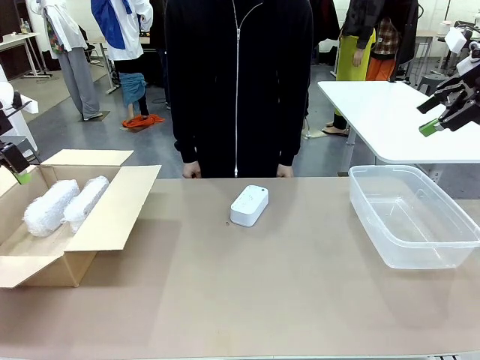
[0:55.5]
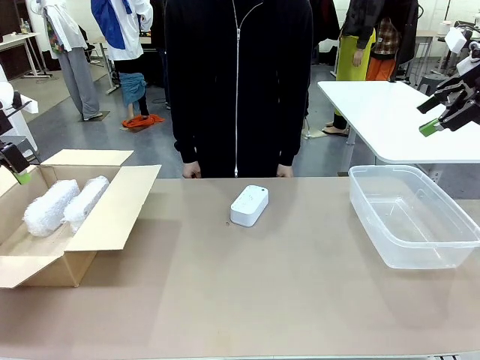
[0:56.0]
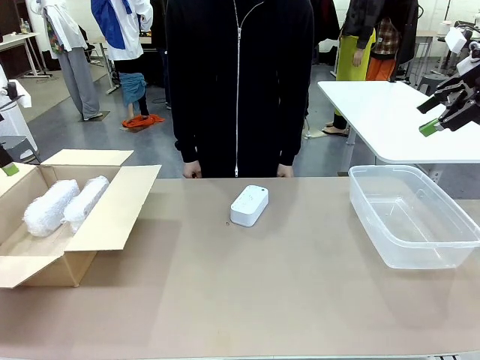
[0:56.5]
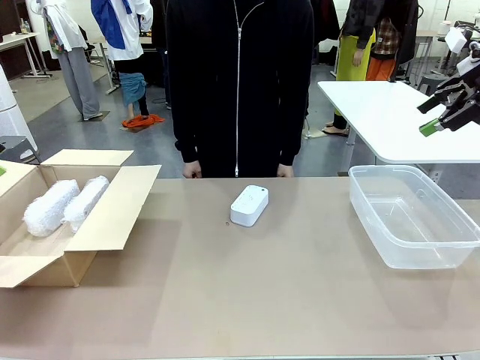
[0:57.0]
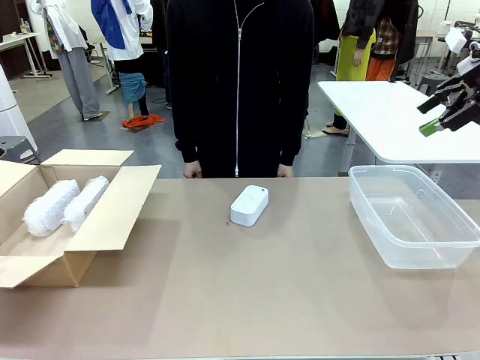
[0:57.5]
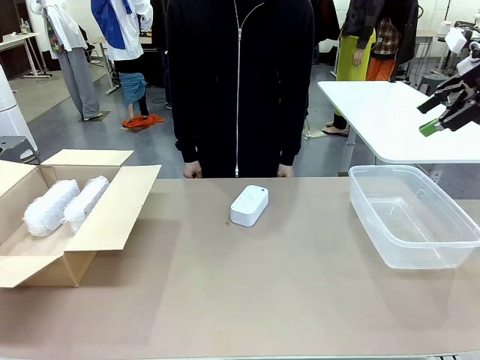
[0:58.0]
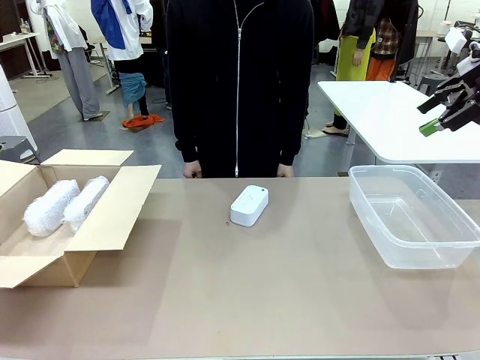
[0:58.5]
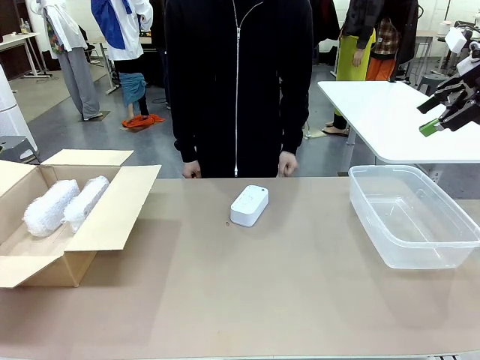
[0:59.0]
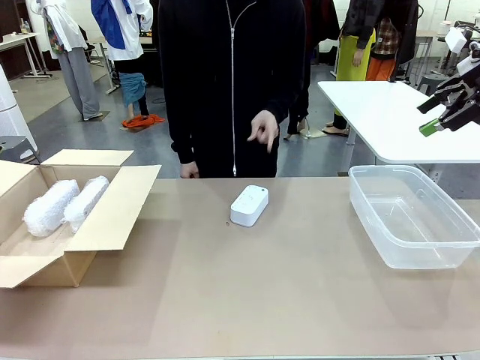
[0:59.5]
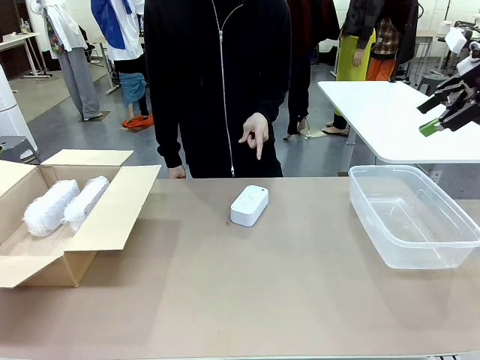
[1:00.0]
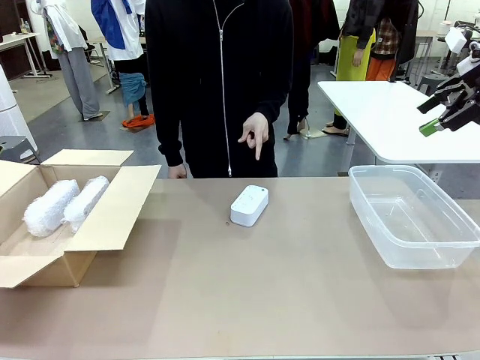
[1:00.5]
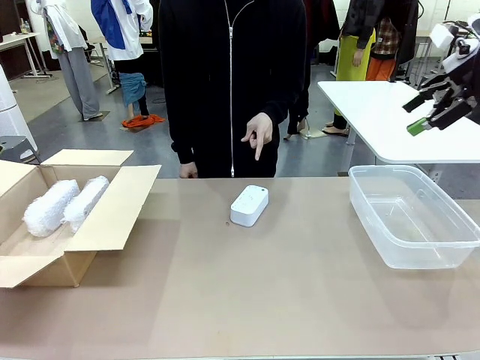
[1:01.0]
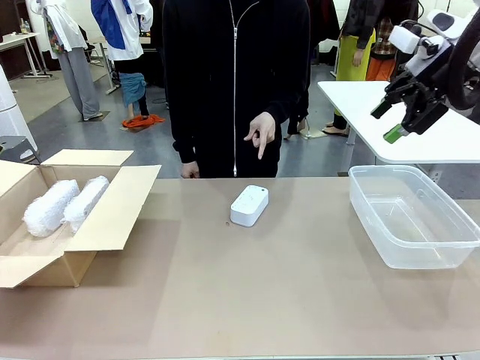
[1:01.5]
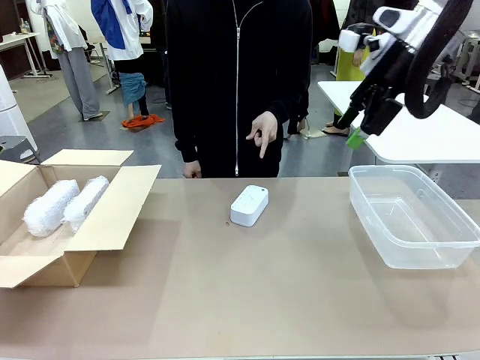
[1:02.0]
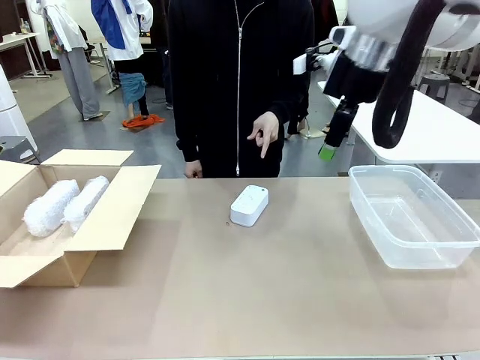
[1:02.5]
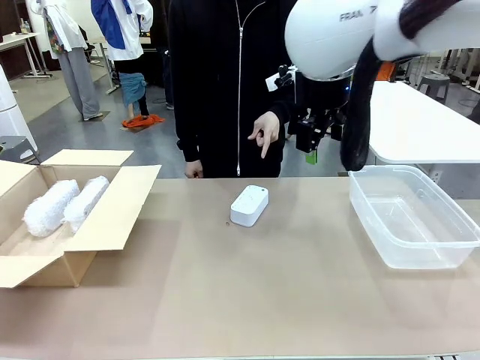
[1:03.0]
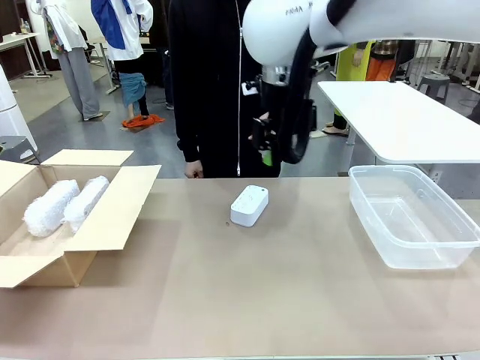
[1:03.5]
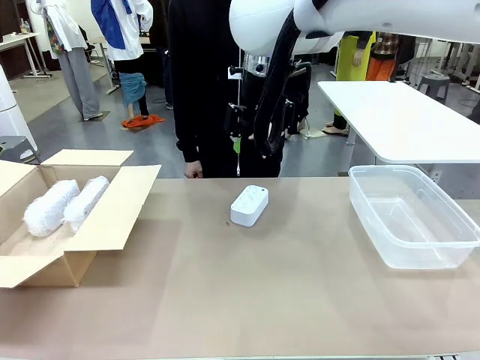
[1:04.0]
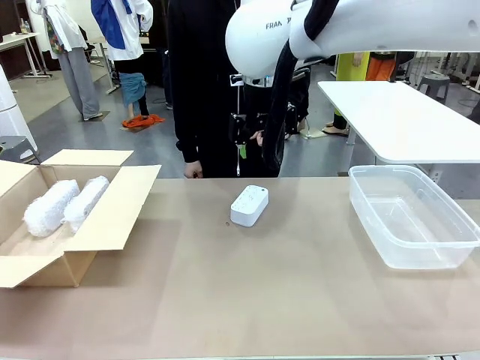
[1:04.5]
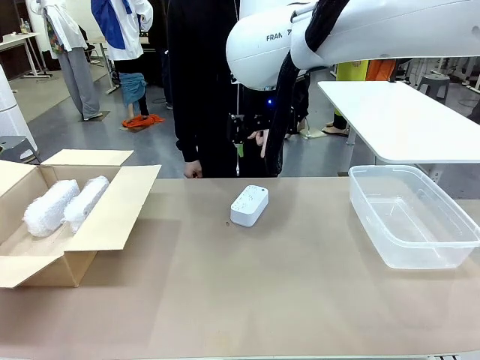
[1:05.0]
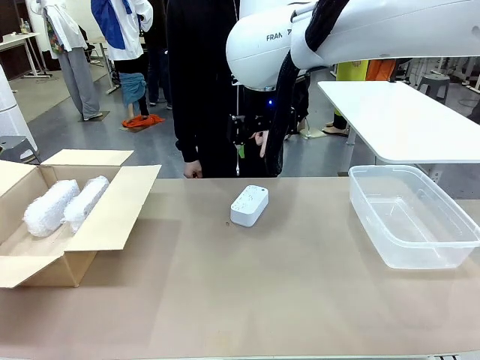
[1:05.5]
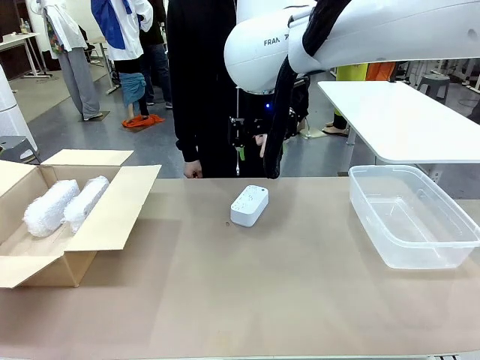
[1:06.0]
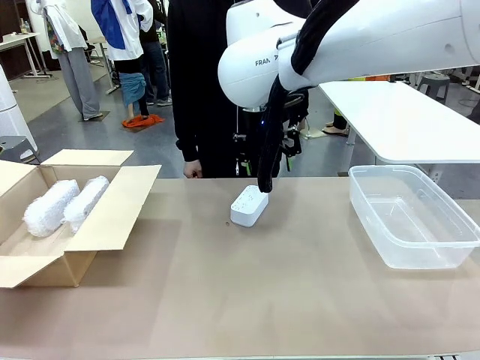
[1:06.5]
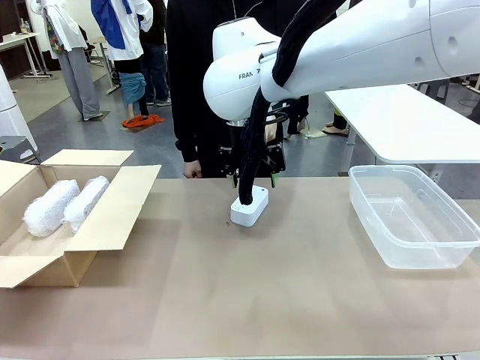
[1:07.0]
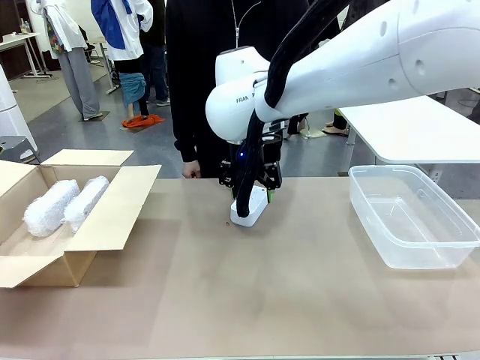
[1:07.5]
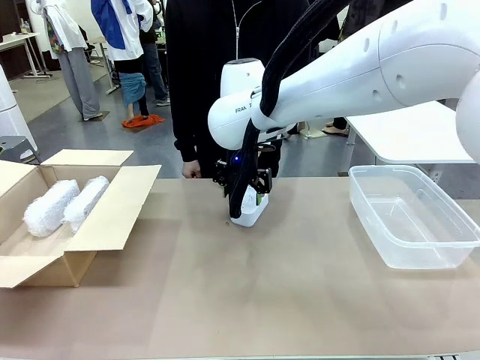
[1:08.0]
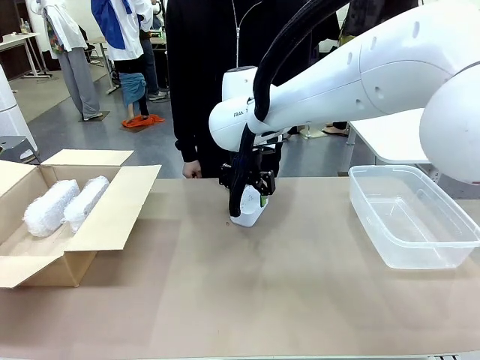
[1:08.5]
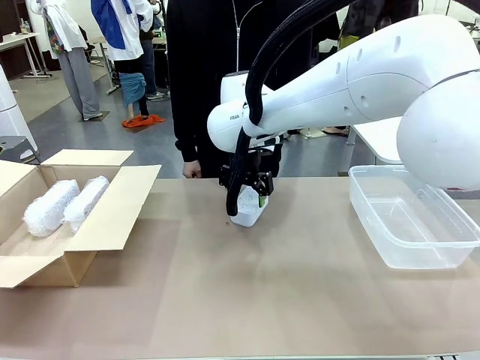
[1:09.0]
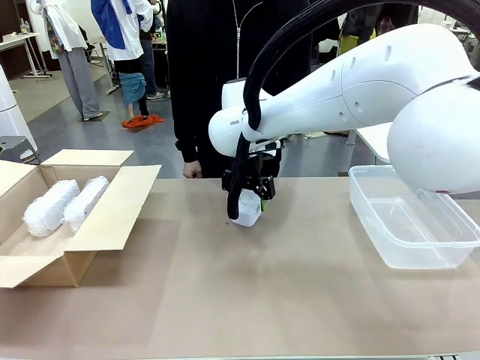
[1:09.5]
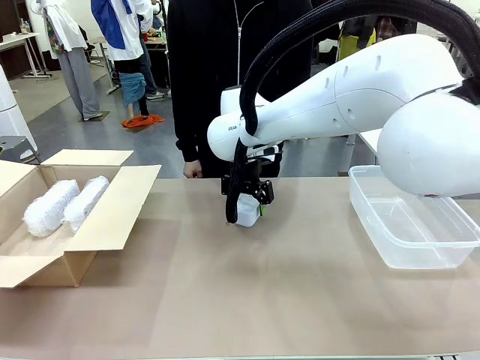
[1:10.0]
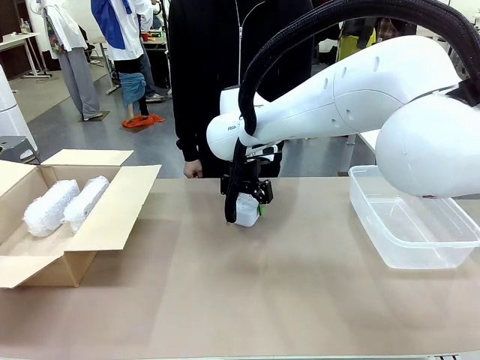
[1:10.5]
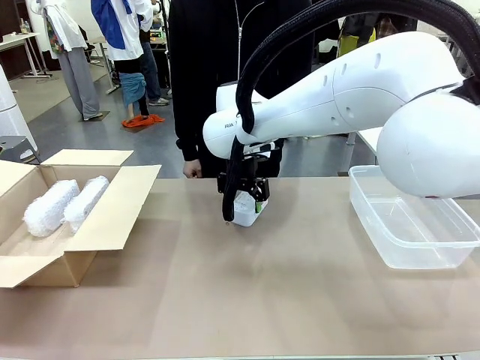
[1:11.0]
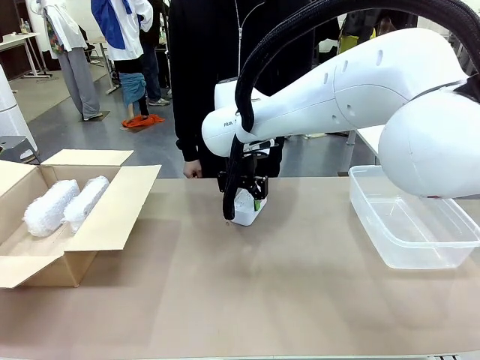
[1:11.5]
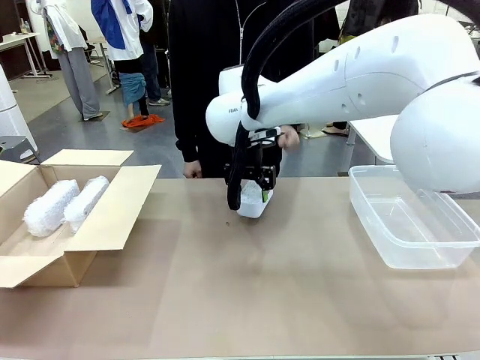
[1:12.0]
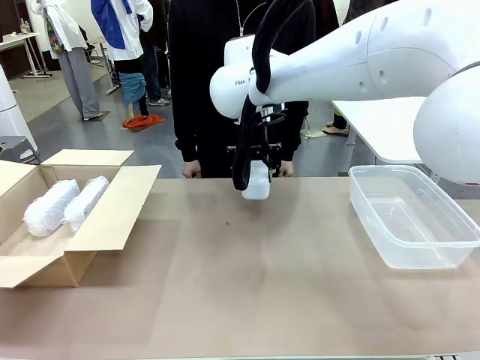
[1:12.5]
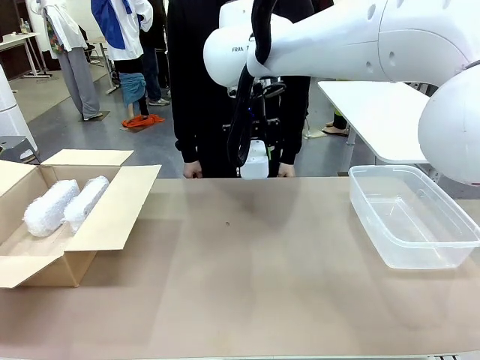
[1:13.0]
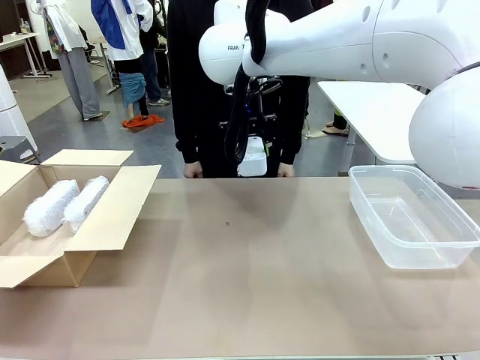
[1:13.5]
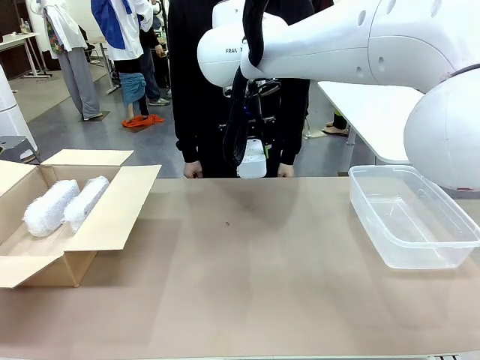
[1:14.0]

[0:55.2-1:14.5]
Task: Separate and place wrapped and unwrapped clocks.
Robot: Pick up the Digital clock indicated by the person.

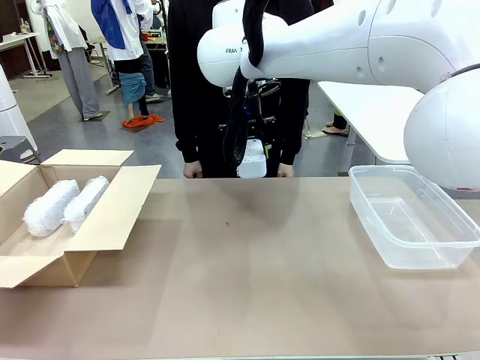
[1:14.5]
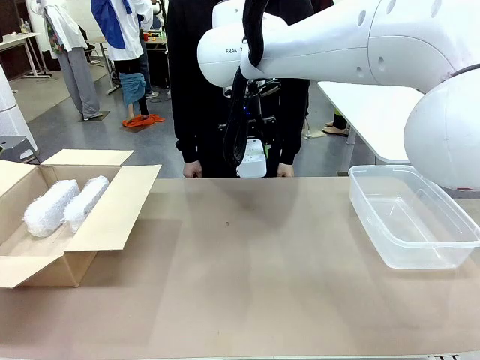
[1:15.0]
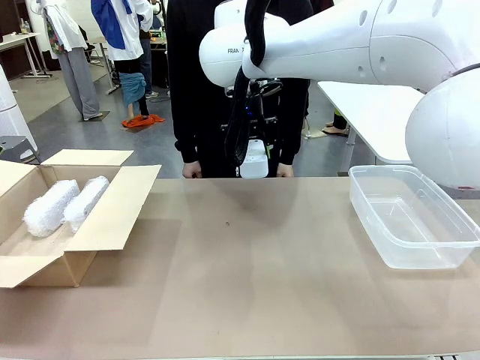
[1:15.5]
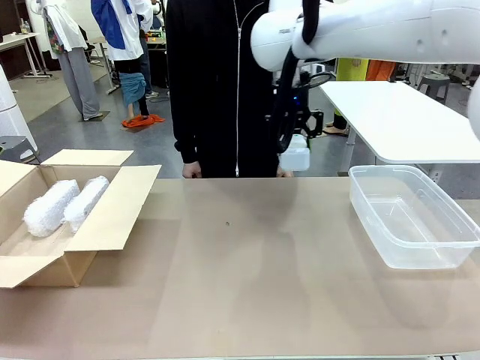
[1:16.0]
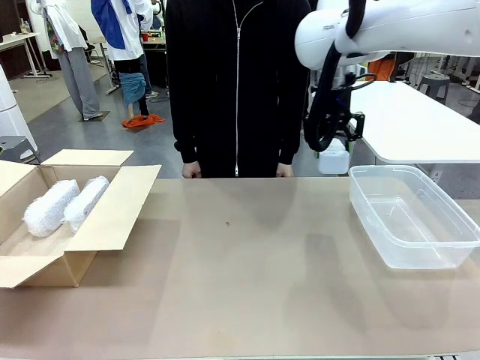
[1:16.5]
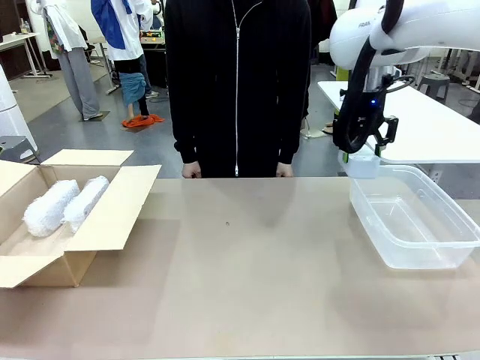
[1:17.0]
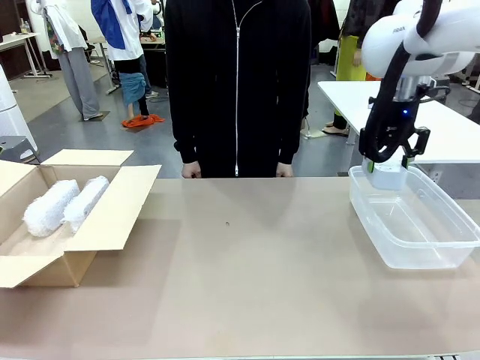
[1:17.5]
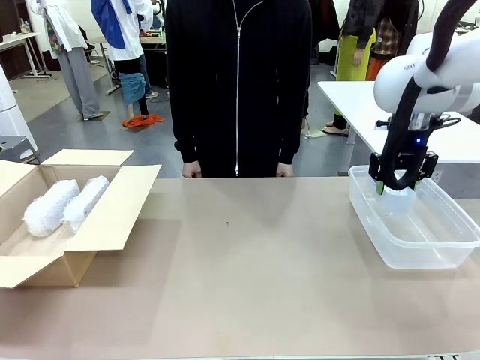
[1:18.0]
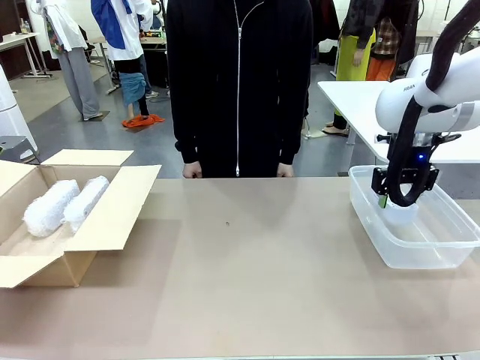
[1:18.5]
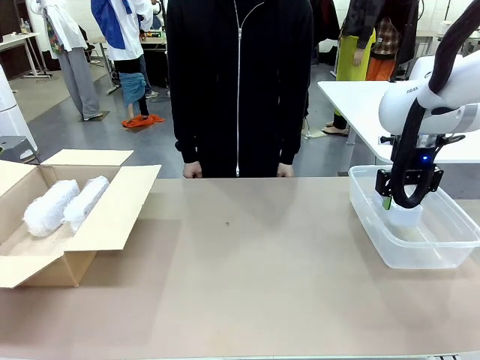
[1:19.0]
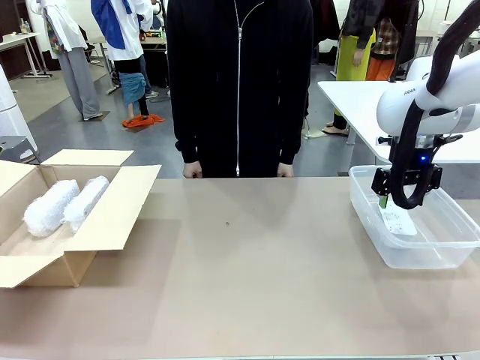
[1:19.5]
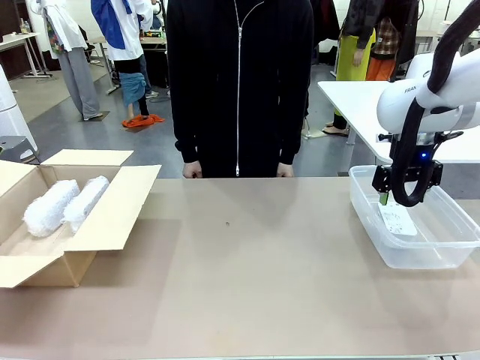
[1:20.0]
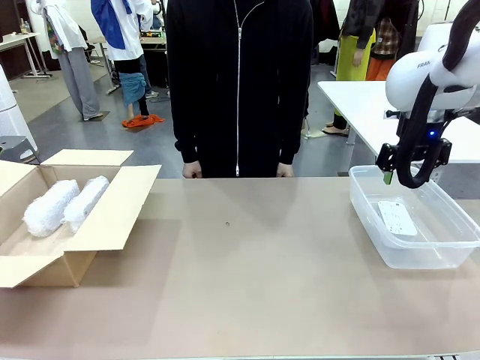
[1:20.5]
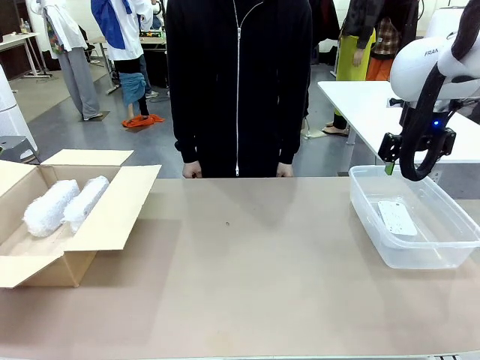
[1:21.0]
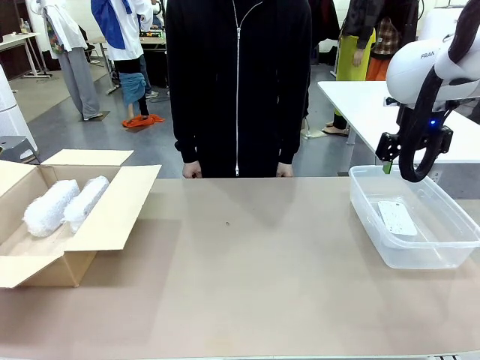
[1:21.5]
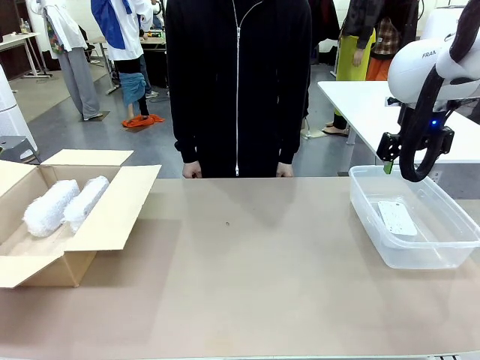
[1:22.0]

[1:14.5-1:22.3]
Robot: If the picked Digital clock is wrapped, place it in the Package Box ; if not, place it in the Organizing box.
